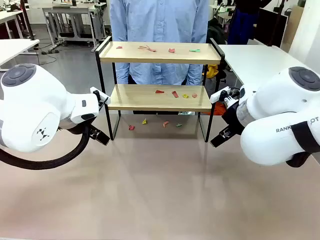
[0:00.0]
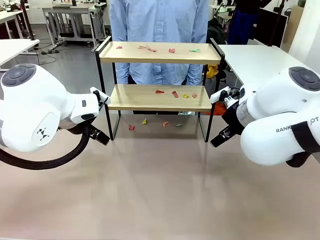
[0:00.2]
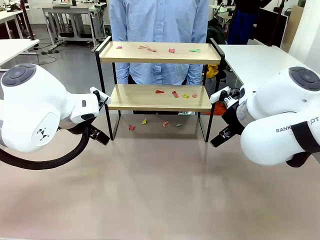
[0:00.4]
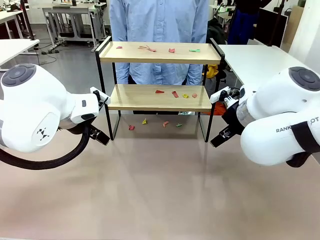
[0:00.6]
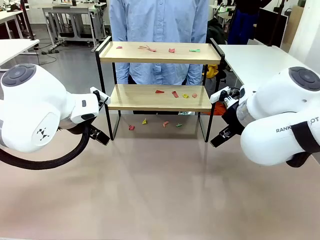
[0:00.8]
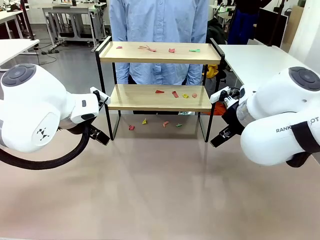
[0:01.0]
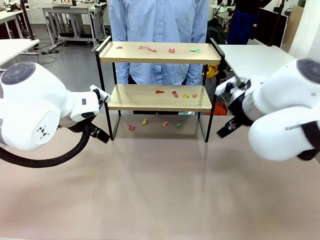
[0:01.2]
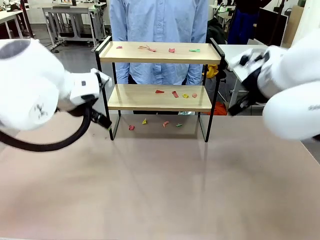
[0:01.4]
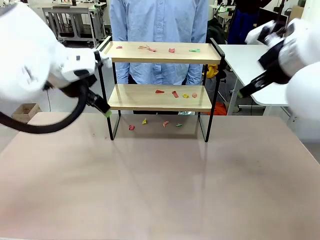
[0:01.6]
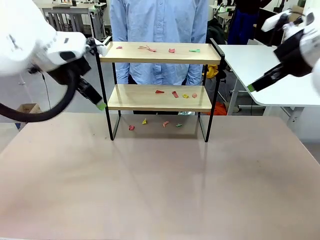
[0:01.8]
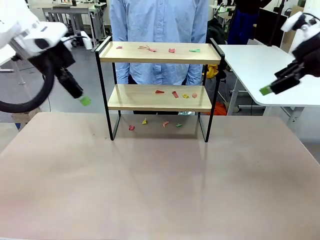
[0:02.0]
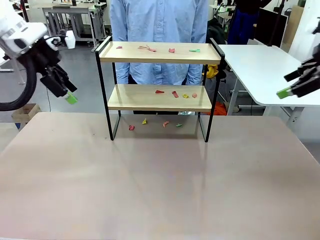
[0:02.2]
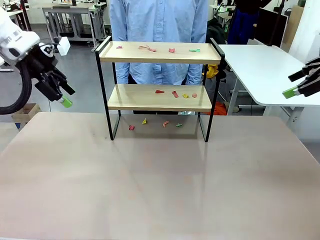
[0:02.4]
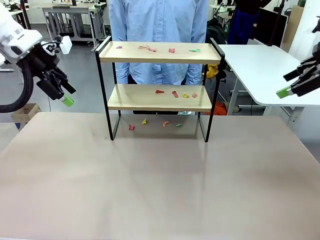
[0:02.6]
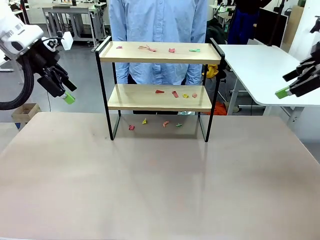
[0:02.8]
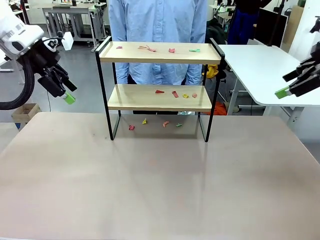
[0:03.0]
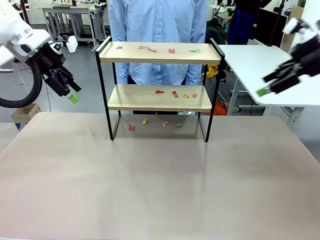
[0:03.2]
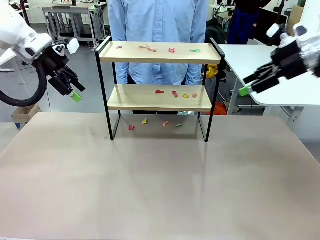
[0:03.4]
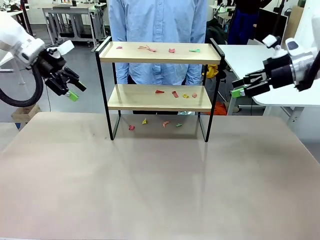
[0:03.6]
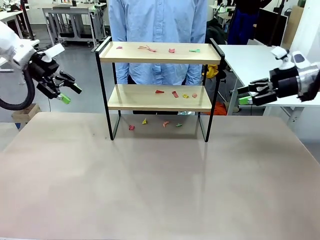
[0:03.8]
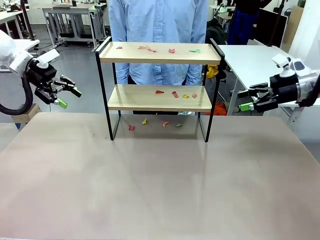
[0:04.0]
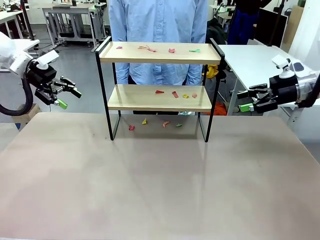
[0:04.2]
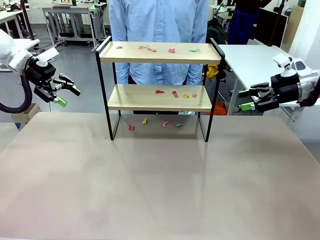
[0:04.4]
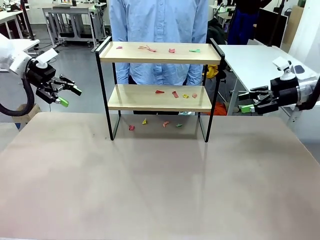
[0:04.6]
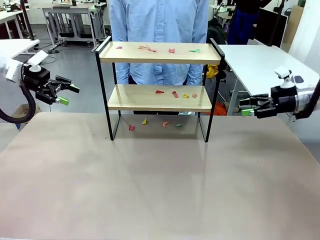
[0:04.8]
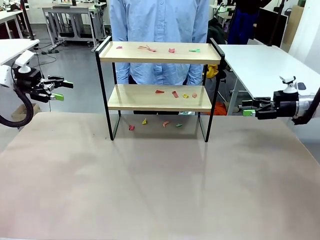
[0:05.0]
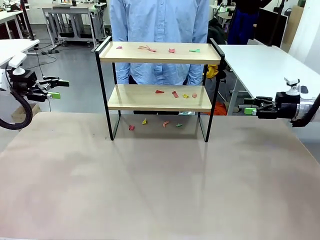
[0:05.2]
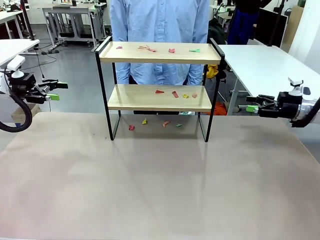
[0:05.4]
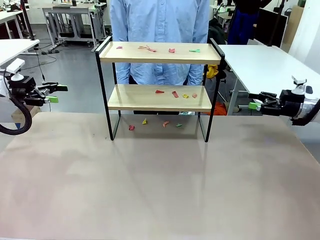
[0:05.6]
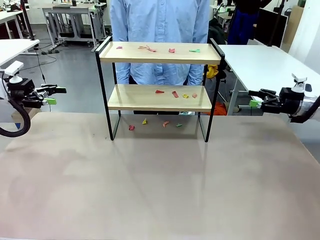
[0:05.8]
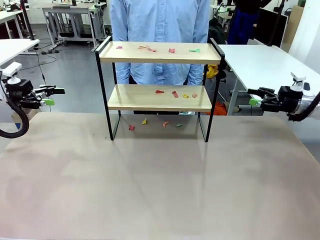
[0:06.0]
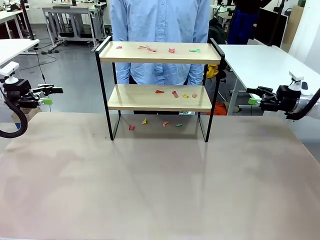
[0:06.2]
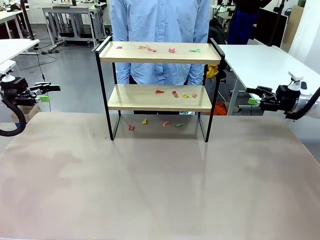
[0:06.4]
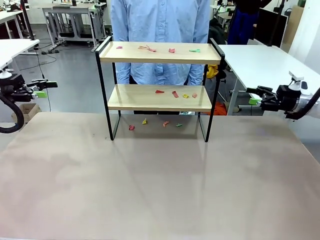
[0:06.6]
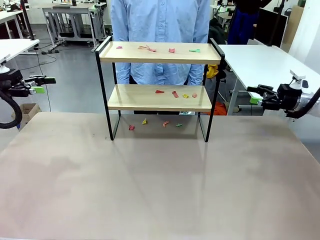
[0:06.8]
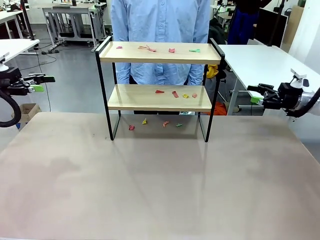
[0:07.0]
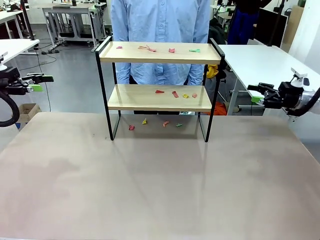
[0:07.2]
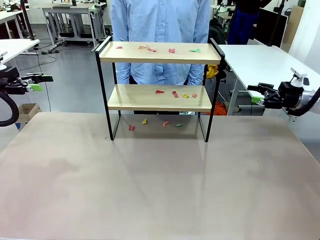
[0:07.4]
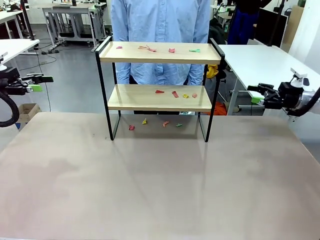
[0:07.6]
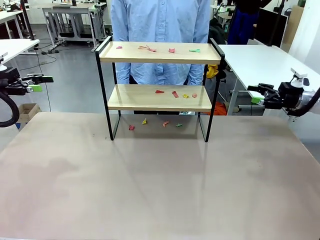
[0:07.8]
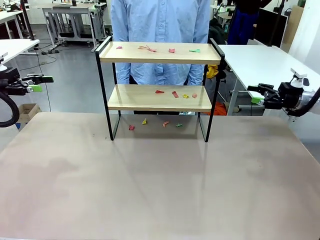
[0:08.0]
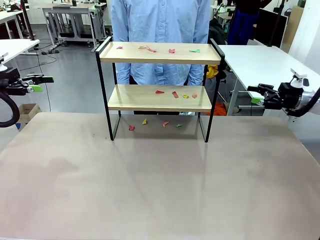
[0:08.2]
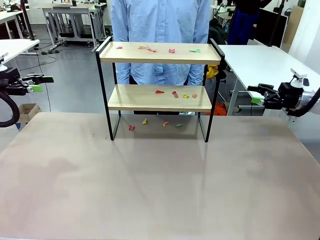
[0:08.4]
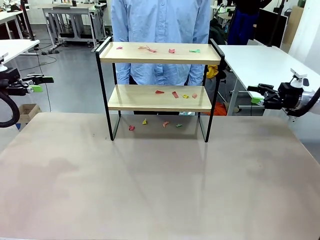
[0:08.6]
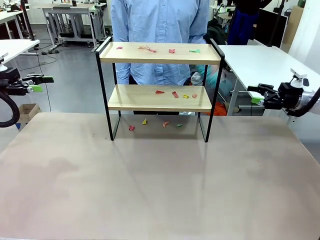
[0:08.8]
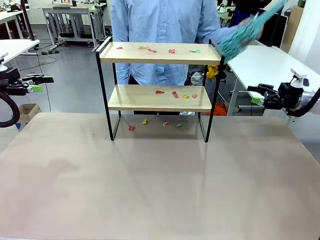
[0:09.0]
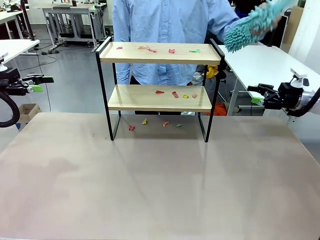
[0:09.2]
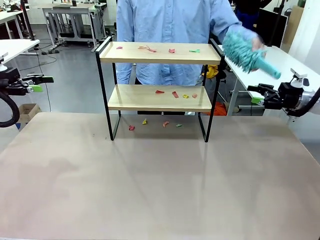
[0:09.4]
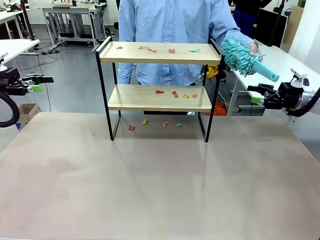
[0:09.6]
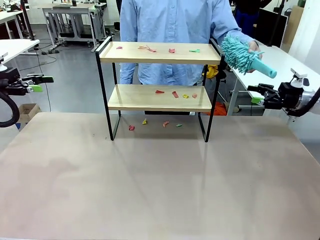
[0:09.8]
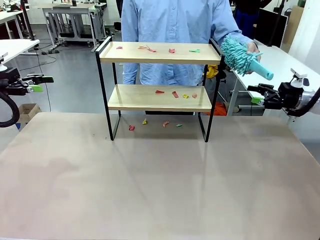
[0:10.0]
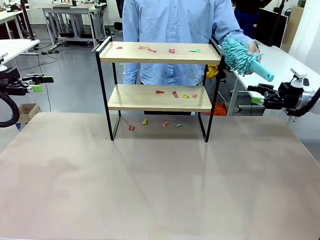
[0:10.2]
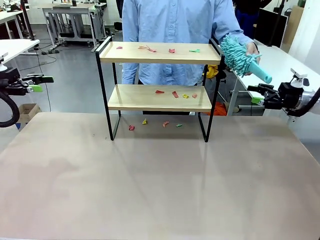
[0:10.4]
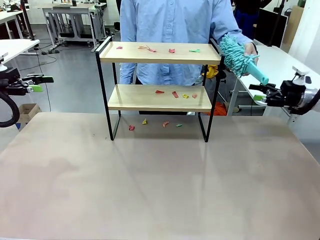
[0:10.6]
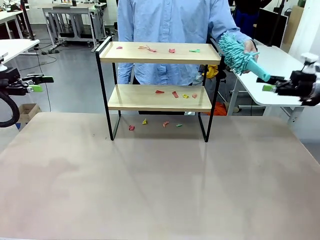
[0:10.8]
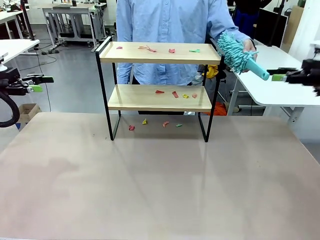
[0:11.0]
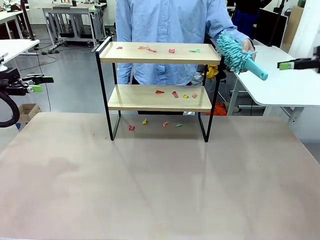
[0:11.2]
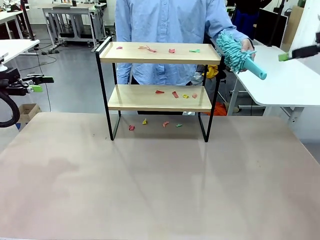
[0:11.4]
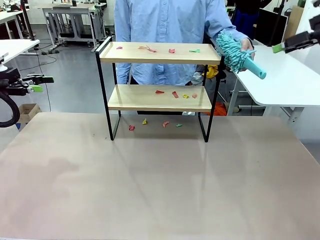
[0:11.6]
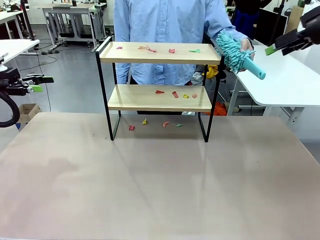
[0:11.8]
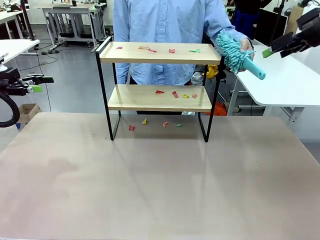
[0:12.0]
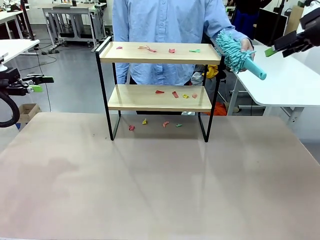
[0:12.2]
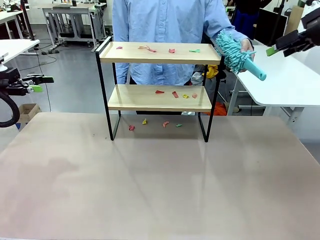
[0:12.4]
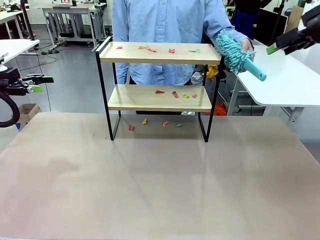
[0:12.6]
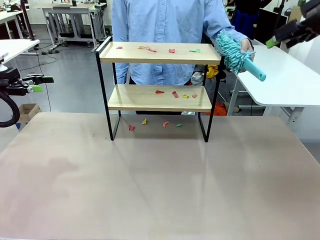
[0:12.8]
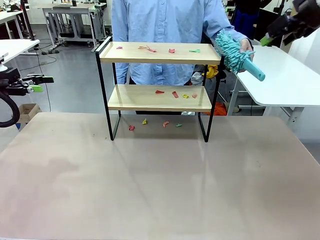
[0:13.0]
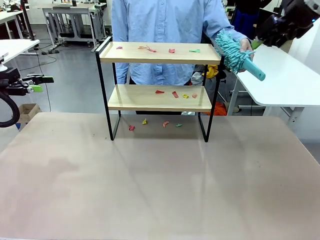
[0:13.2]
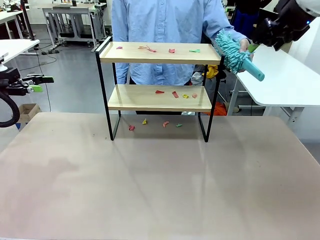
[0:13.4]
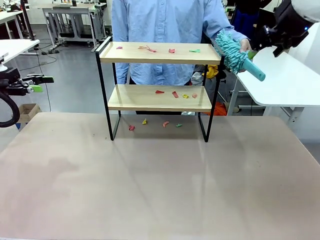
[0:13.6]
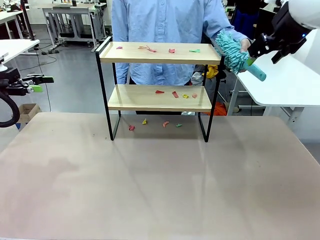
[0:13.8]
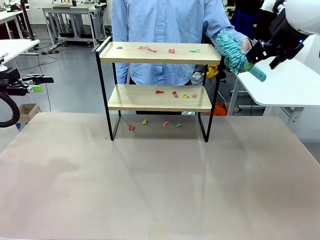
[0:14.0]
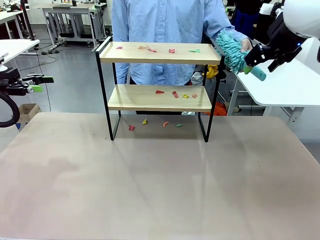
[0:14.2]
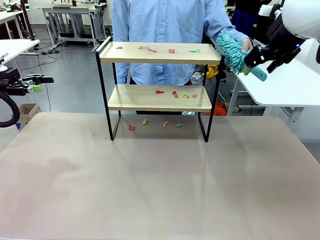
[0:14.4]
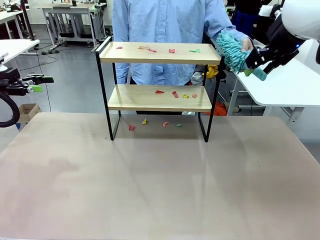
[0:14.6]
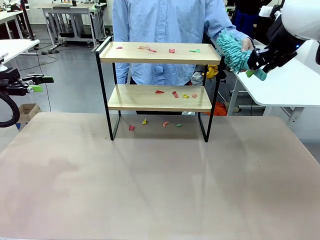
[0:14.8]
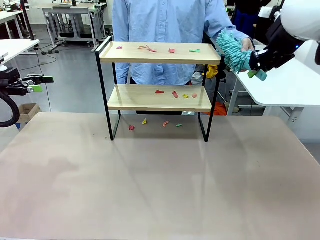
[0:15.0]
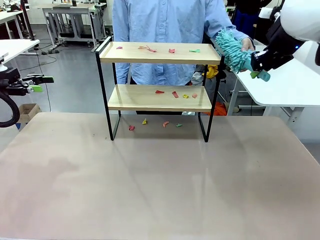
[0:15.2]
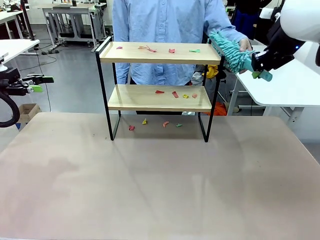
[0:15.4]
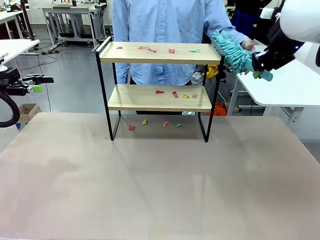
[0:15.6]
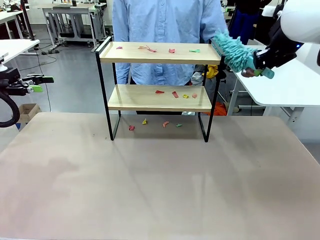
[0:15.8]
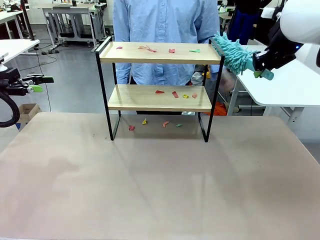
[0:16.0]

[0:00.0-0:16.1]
Task: Clean the shelf.
Robot: Pick up the Duster handed by the human.
Person: Hand the Duster to the robot.
